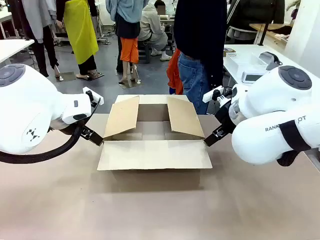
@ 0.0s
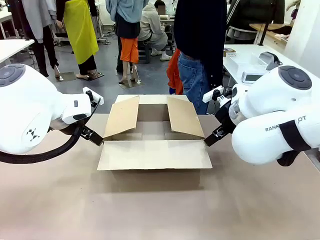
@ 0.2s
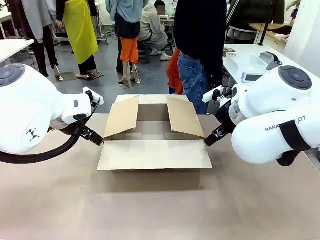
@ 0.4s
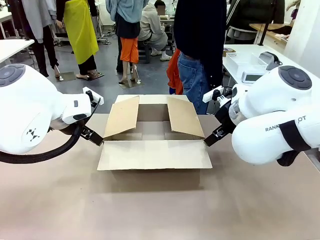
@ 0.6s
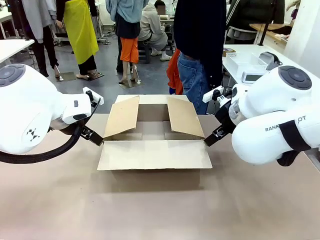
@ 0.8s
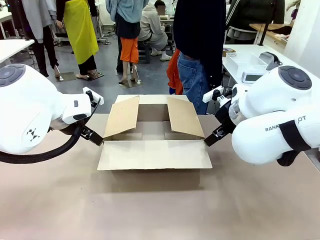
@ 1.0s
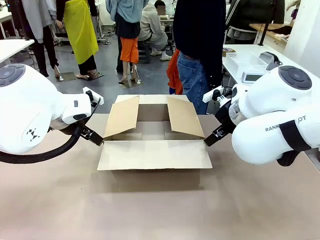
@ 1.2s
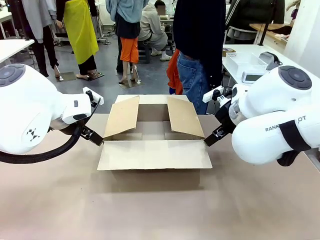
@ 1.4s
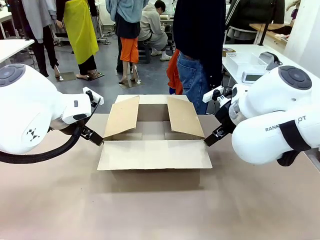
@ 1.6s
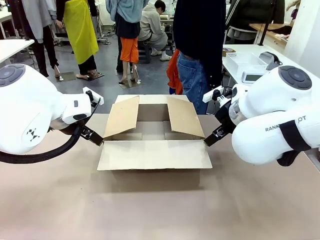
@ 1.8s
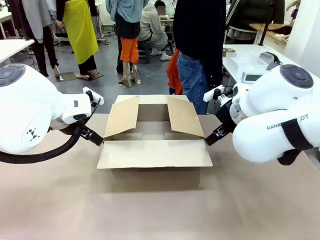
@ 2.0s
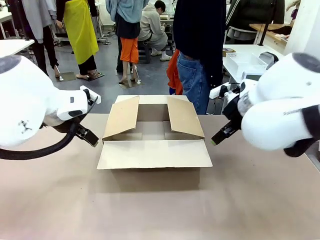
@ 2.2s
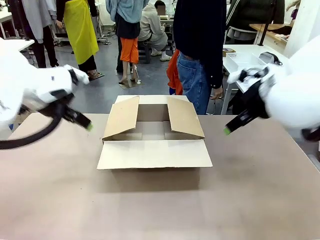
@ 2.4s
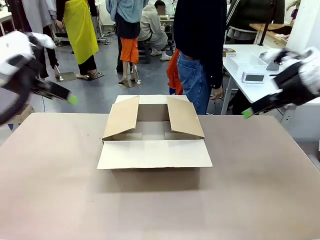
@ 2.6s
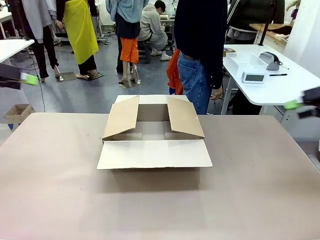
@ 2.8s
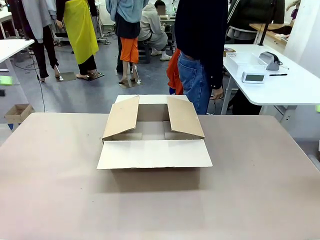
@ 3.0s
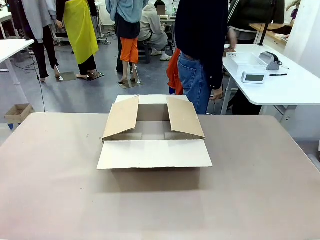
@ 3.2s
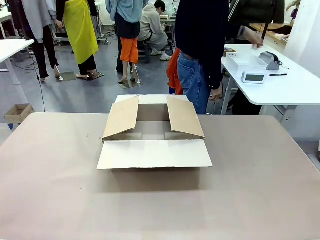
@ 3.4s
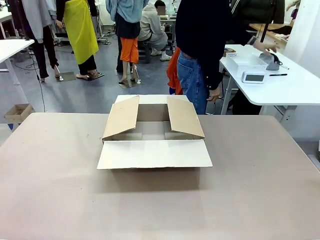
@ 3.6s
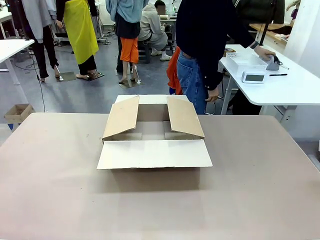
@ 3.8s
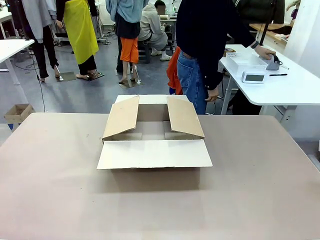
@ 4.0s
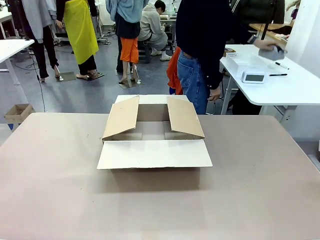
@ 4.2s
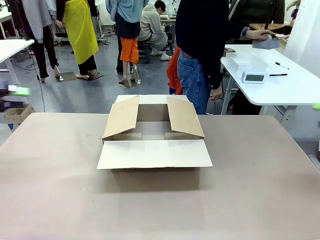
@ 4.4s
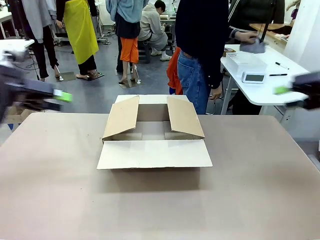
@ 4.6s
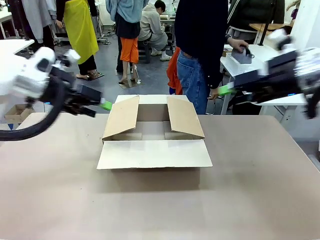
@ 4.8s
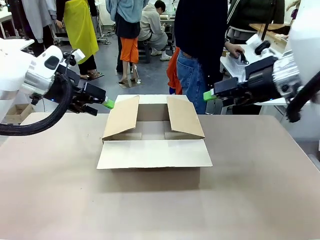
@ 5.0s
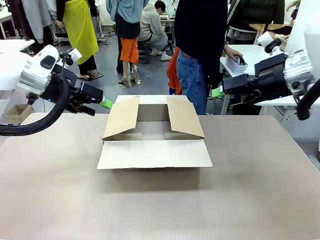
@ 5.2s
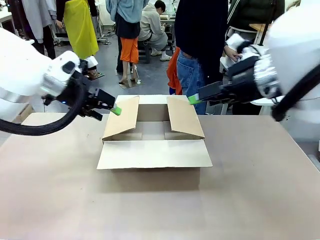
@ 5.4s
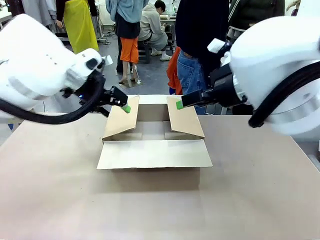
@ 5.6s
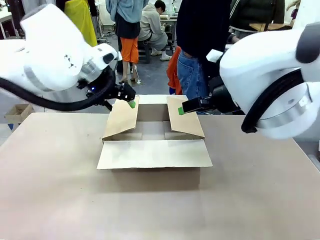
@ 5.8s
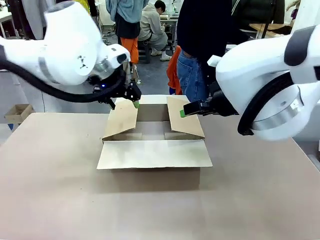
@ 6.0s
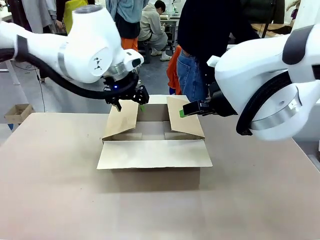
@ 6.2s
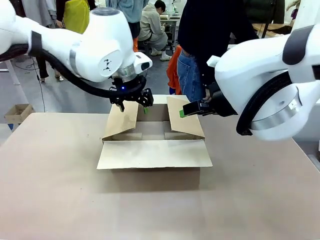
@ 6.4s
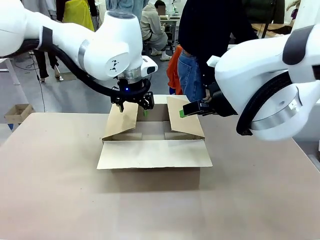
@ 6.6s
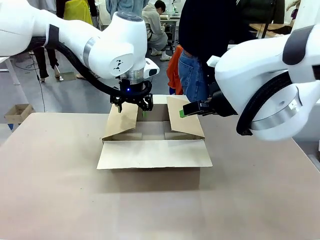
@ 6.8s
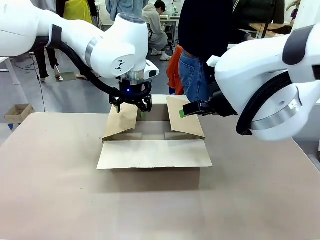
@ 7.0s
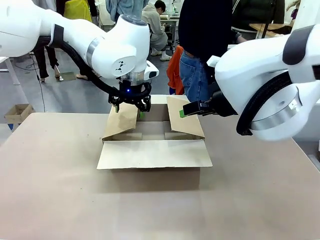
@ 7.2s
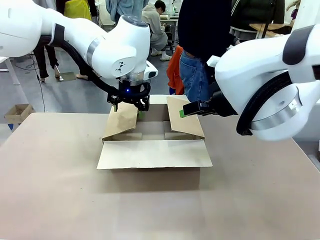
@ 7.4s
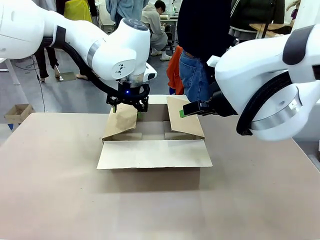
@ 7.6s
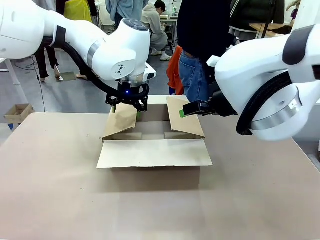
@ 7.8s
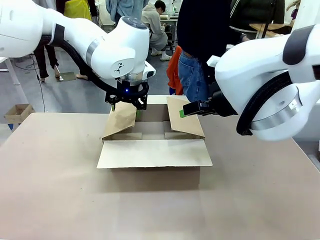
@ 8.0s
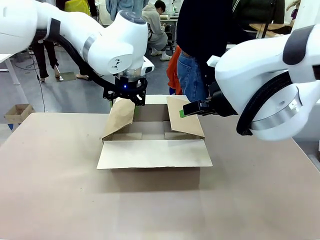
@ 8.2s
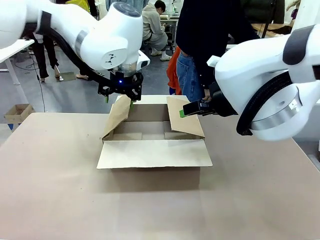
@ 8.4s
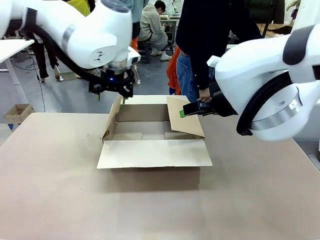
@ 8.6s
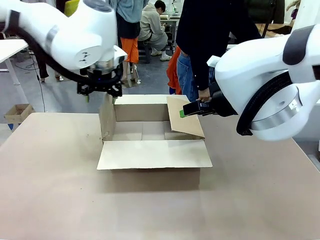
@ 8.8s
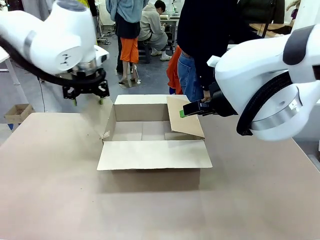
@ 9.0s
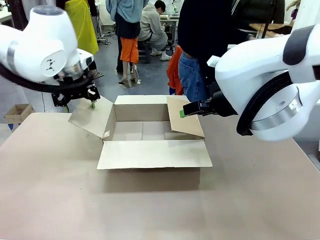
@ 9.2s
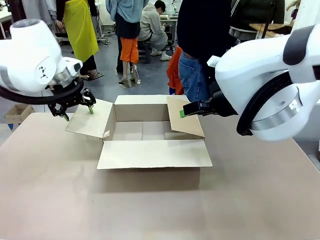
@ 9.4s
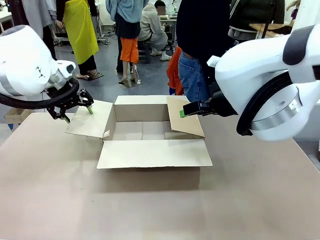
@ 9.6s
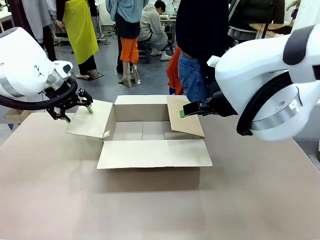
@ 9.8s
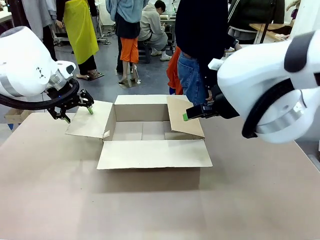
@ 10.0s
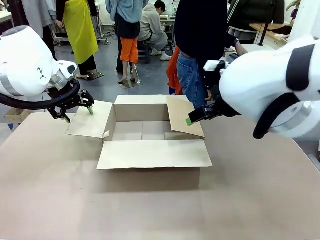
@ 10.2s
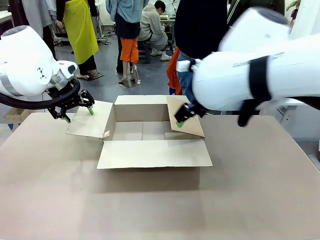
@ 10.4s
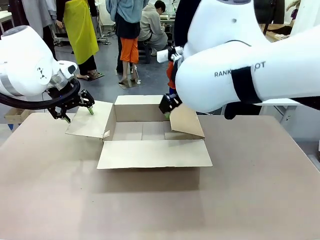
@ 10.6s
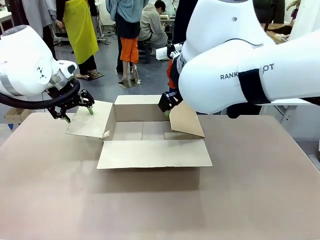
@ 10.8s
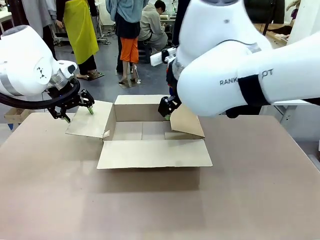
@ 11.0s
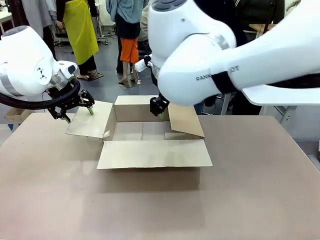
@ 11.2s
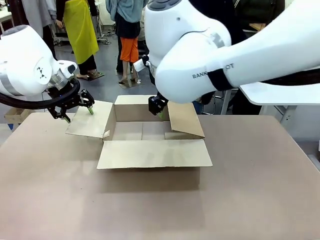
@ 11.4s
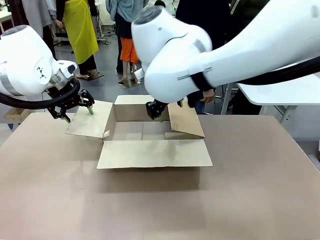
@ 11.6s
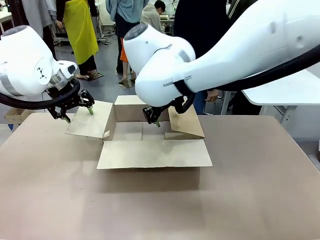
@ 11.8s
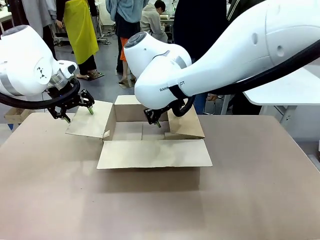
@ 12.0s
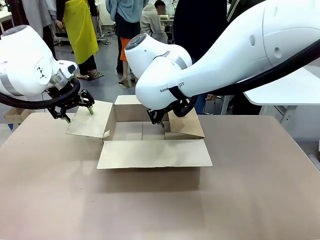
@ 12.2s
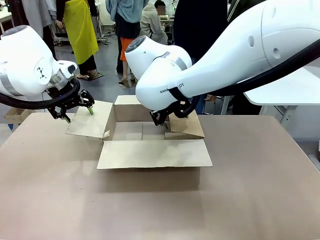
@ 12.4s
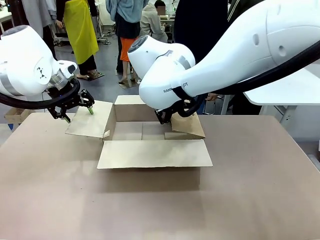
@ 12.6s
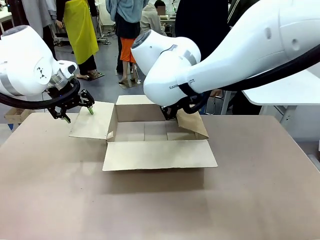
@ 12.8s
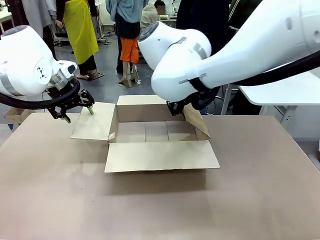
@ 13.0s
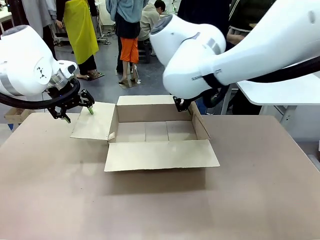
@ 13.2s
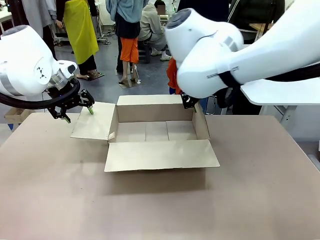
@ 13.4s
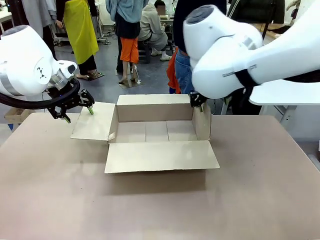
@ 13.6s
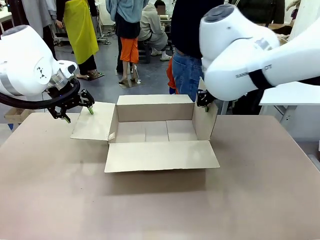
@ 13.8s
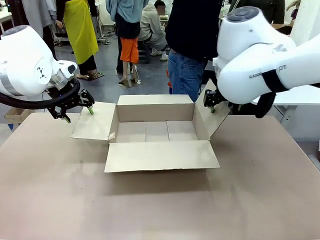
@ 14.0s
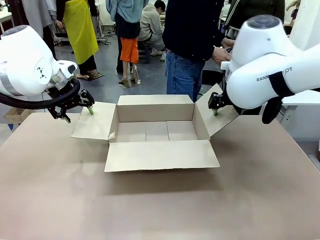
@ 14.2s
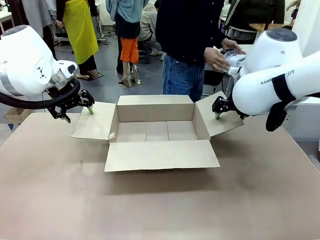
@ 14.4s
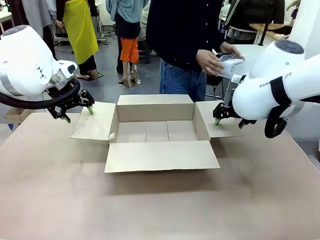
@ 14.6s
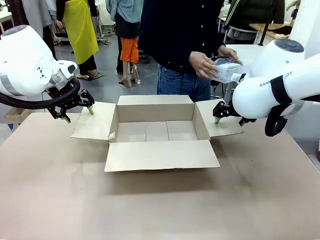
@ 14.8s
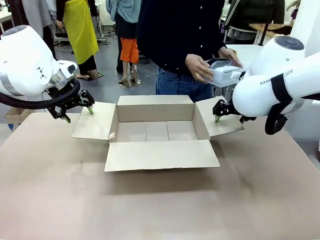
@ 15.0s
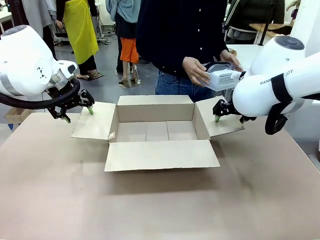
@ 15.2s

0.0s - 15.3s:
Task: Pack the gift set into the box.
Robot: Place both hands on the side flaps of the Package Box and spread them outward.
Person: The human places all items except the paper tape into the organizing basket.

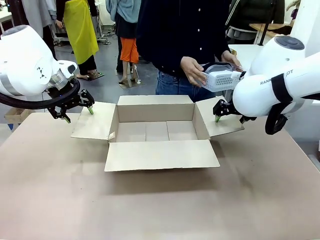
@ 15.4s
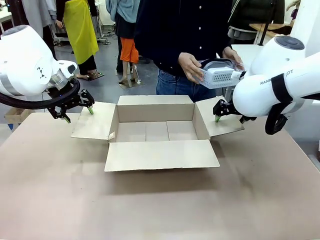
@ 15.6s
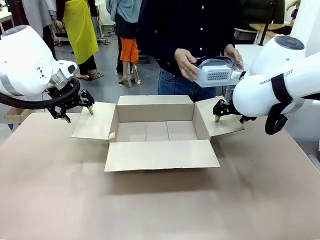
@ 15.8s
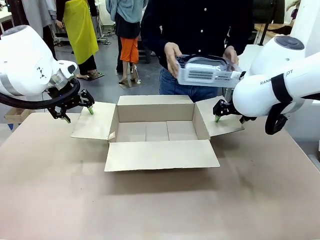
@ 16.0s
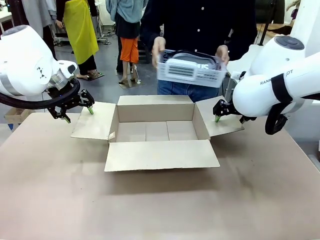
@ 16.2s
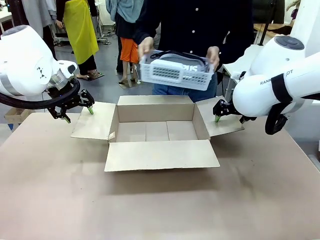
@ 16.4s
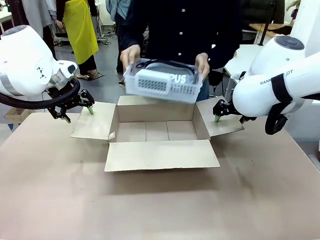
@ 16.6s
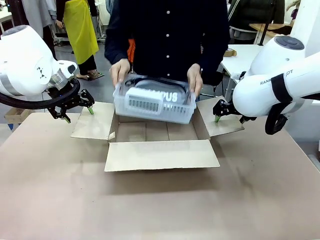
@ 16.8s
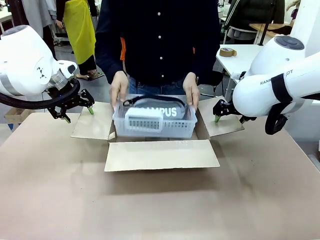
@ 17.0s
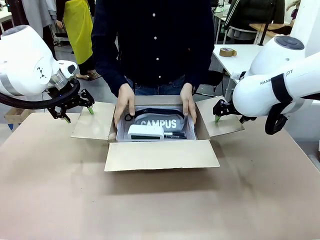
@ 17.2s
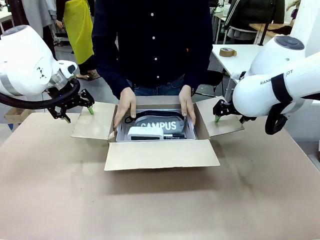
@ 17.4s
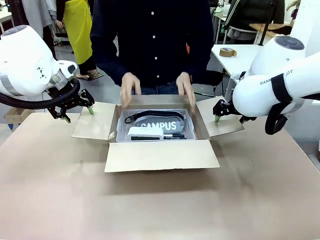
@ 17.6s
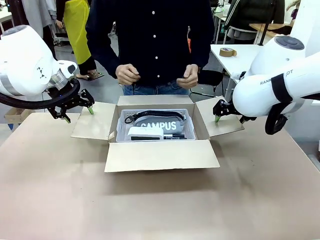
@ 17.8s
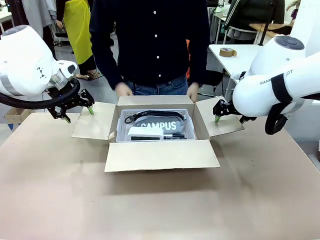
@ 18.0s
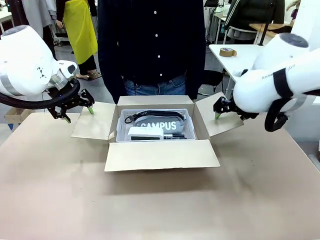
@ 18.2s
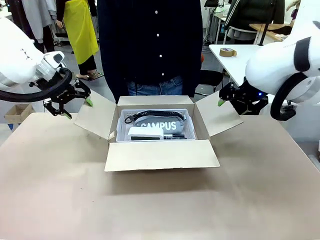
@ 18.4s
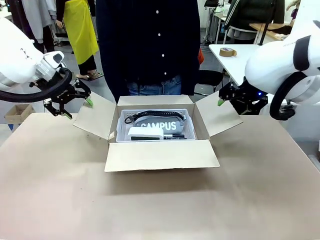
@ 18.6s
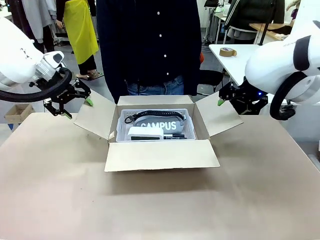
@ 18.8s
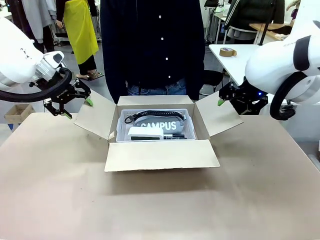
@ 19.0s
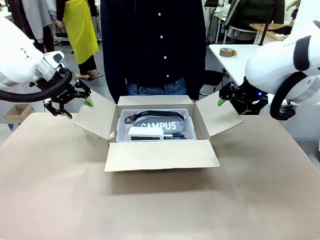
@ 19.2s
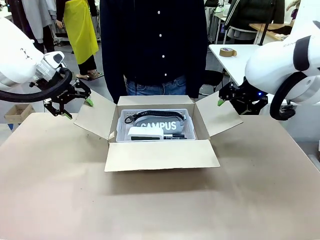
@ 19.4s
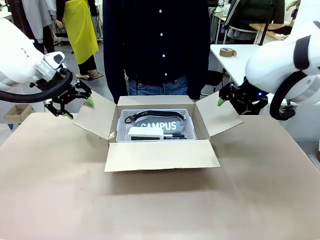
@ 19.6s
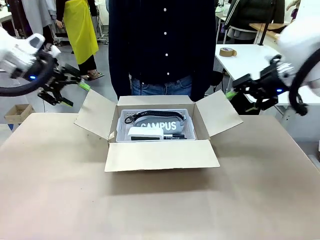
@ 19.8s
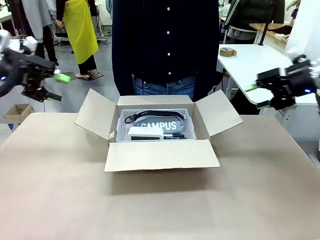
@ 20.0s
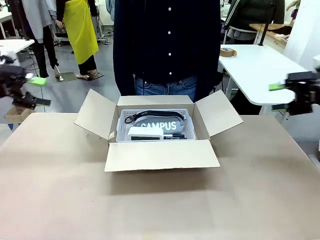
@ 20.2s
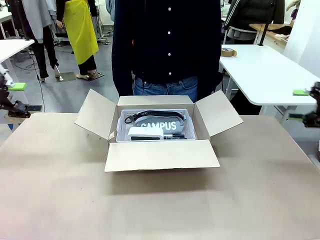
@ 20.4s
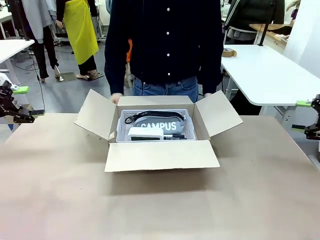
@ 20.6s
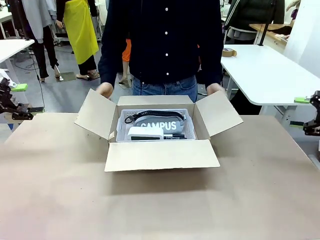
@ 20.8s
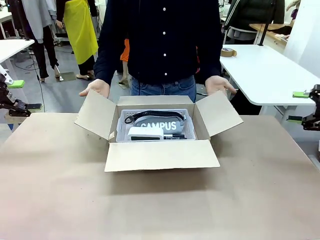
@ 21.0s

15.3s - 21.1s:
Robot: Lift both hands away from the flaps of the Package Box.
Person: The human picks up the organizing basket and places the organizing basket into the package box on the robot table.
